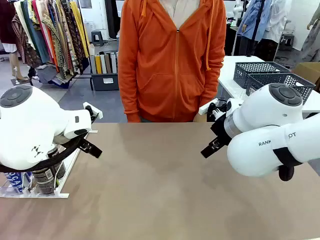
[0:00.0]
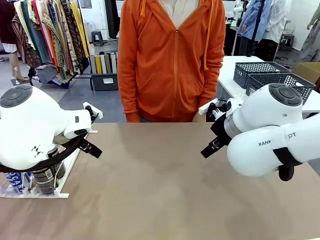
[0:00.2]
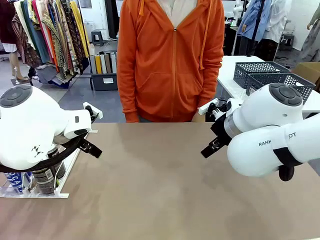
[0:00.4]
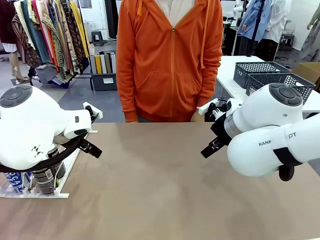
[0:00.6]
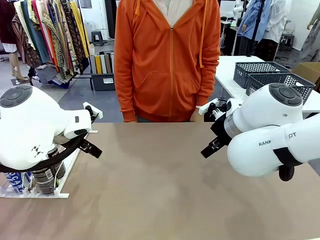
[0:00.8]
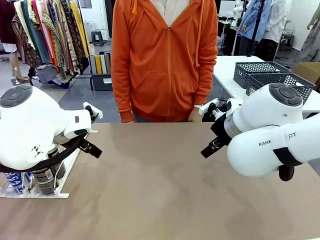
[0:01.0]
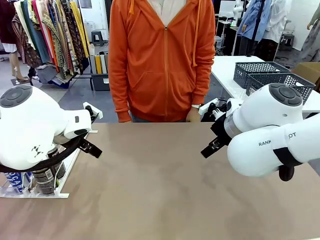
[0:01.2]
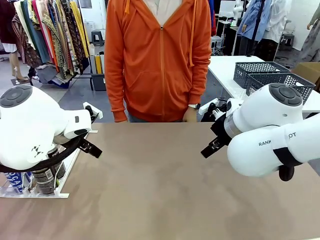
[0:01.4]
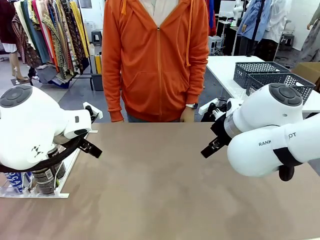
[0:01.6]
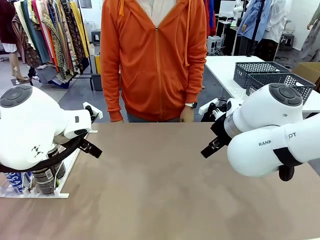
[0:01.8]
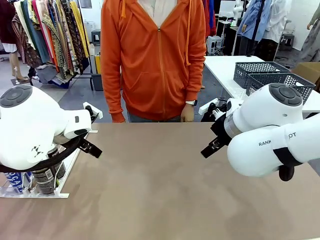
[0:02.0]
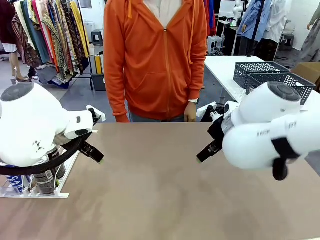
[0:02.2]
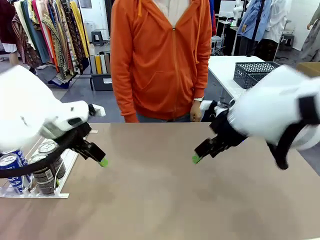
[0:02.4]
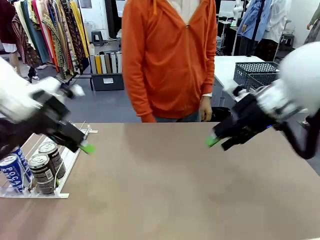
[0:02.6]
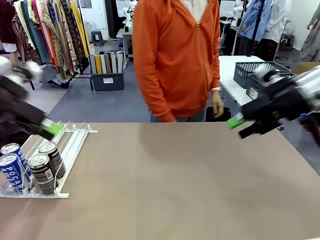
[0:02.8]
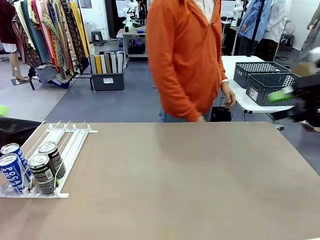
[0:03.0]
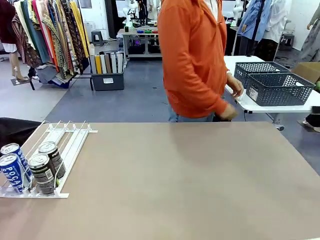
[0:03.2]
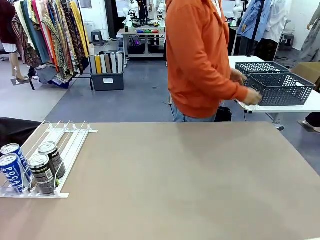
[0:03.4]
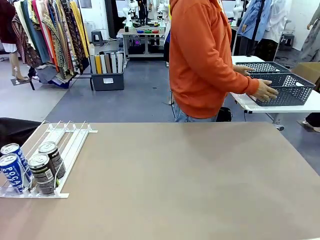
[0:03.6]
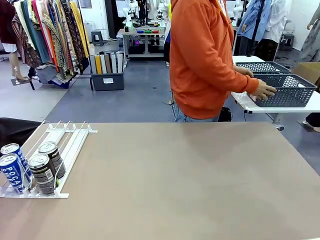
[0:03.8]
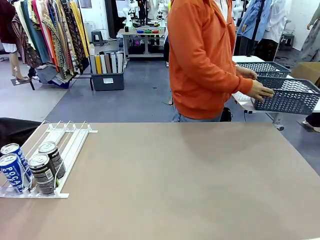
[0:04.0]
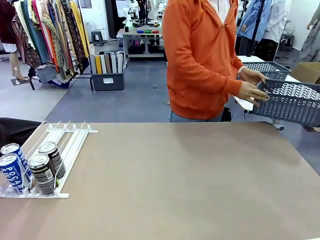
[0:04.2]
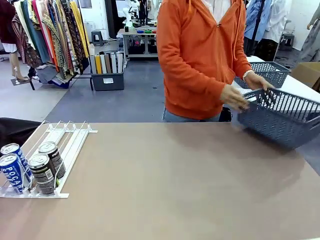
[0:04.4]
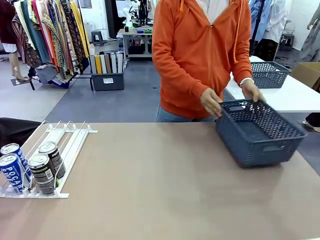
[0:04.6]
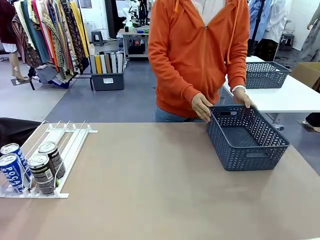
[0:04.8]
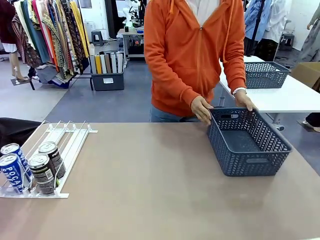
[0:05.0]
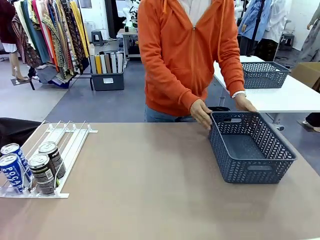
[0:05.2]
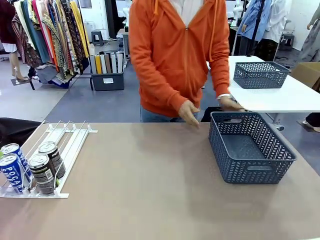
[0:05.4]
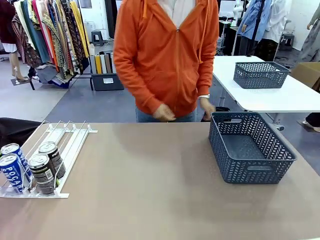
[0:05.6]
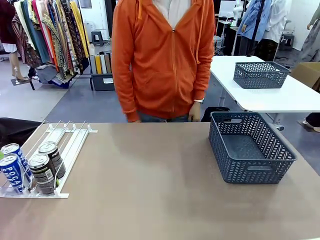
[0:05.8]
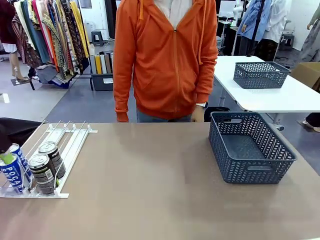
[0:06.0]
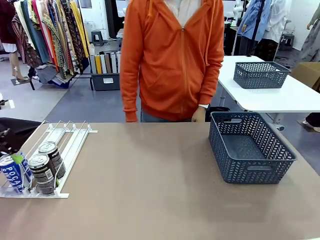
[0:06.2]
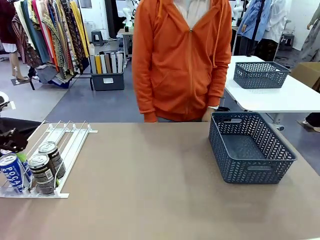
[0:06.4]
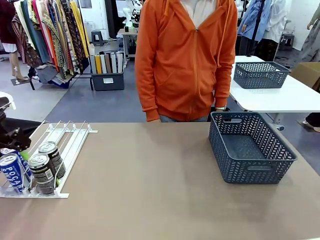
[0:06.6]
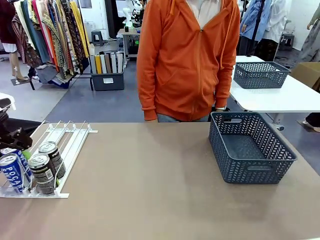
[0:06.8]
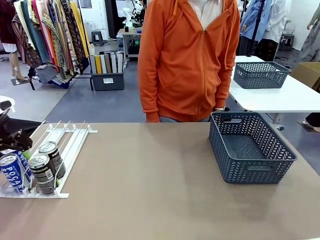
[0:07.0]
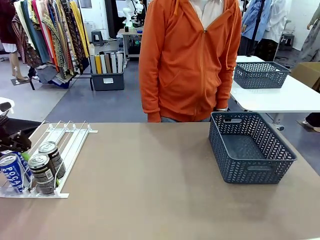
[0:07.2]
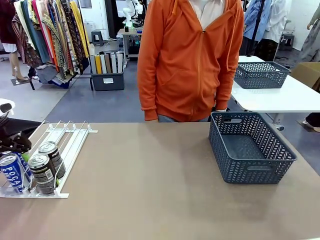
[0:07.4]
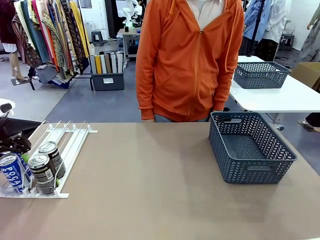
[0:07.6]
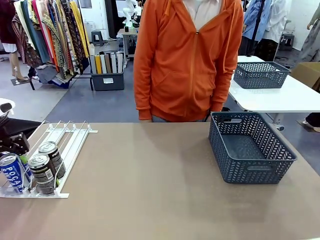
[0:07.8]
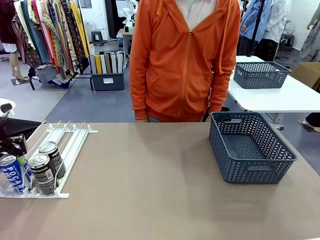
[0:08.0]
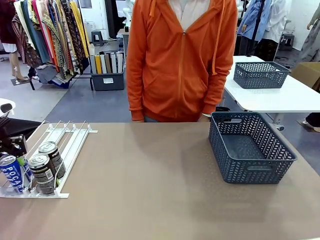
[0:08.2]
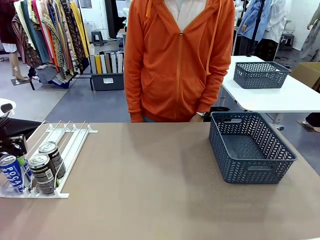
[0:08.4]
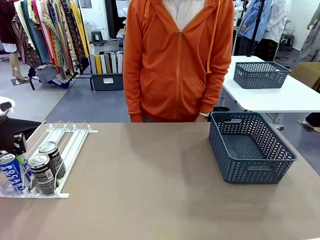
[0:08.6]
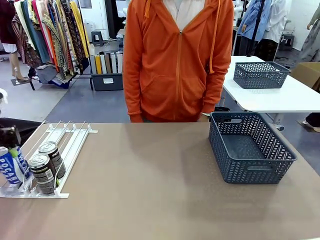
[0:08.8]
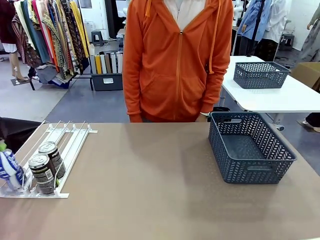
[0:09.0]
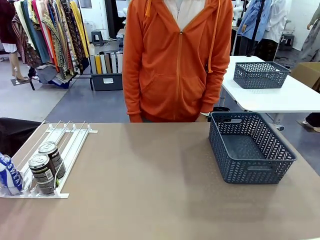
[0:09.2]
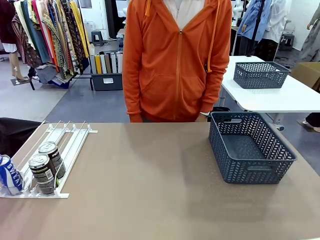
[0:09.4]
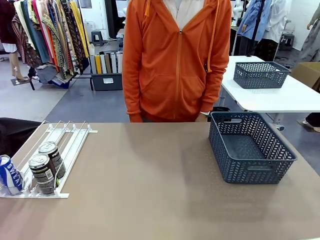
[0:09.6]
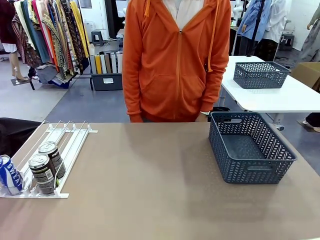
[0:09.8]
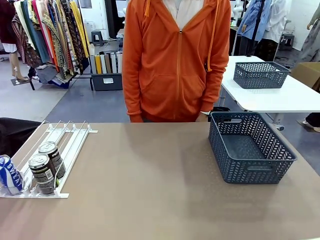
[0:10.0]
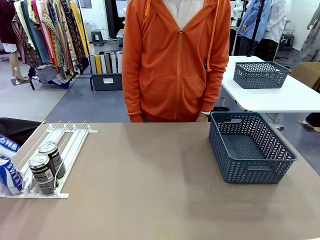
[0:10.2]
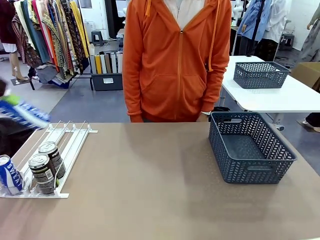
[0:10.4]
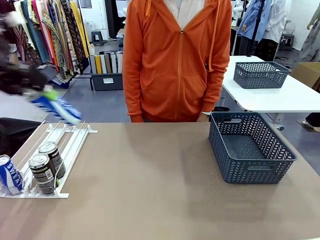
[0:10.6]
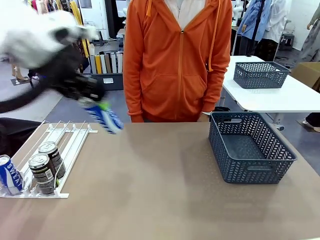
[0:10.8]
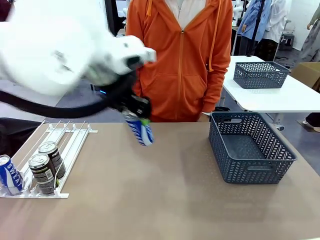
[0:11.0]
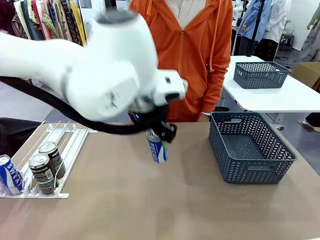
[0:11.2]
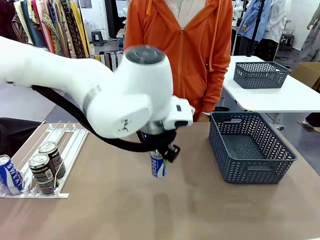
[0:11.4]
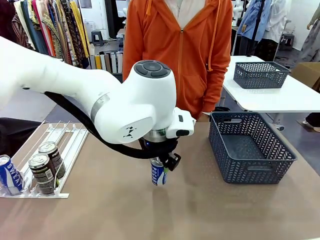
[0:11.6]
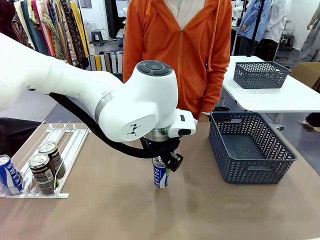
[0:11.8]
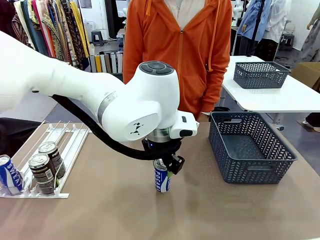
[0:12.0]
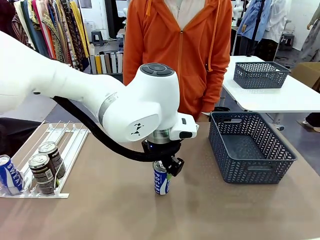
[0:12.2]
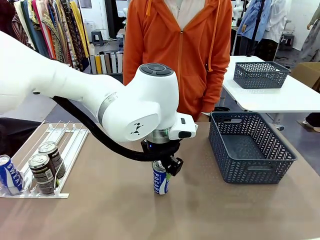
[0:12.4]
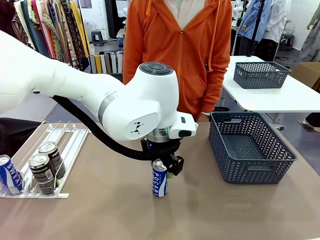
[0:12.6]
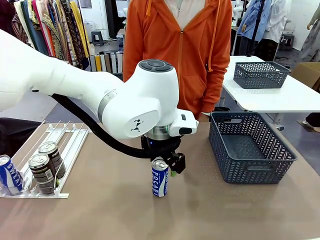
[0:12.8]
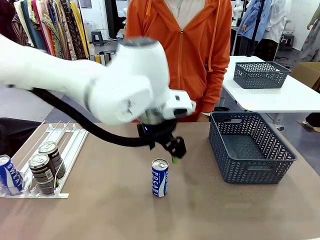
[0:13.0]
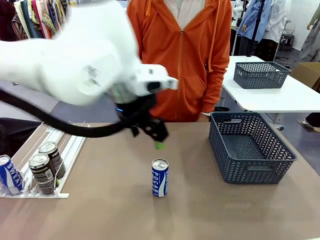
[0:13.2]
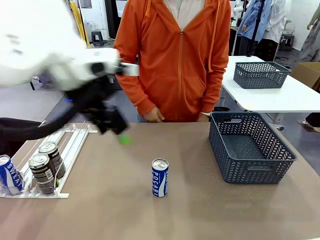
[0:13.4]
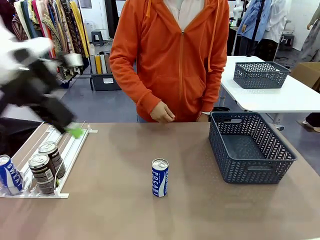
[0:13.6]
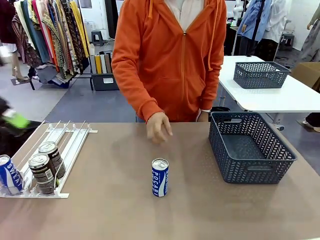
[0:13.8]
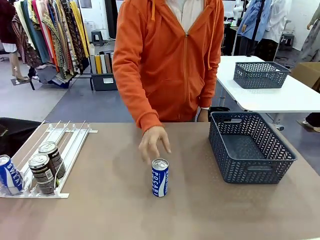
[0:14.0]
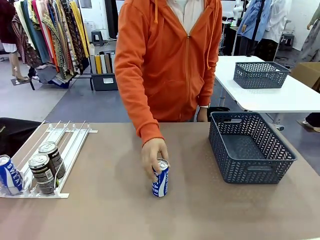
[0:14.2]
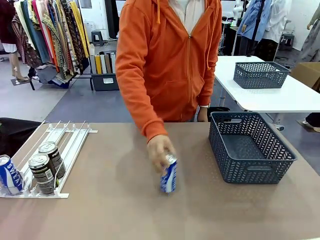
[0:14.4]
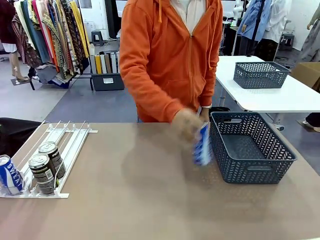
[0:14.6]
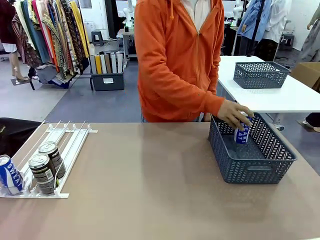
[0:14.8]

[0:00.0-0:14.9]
Task: Retrieve and store the cans from the dispenser.
Robot: Pick up one can from the Automatic Can Dispenser and place it in the middle of the table.
Person: Pick up the basket and place it on the left side of the robot table.
